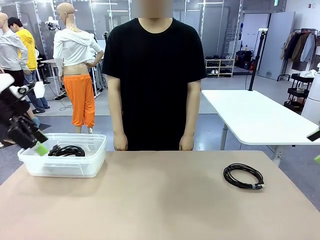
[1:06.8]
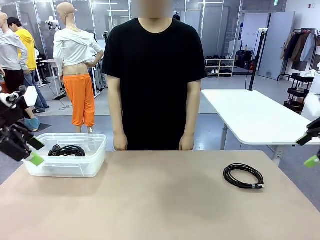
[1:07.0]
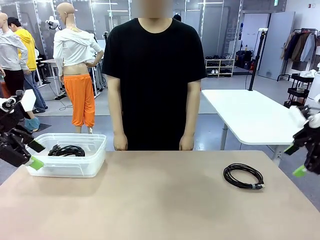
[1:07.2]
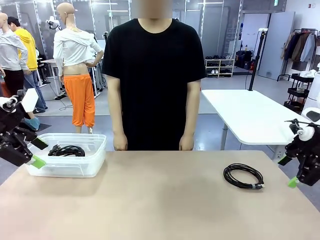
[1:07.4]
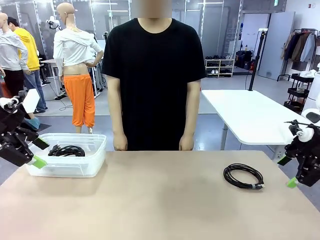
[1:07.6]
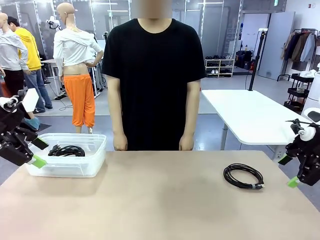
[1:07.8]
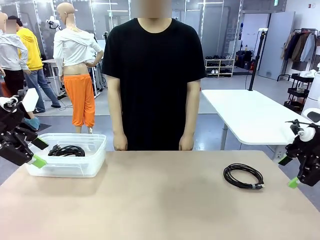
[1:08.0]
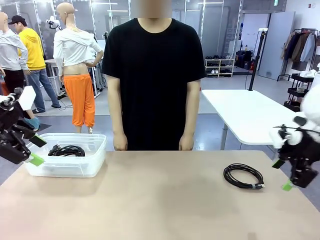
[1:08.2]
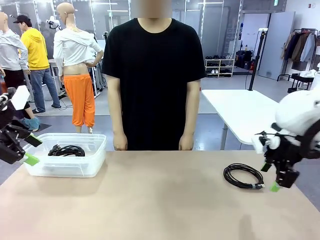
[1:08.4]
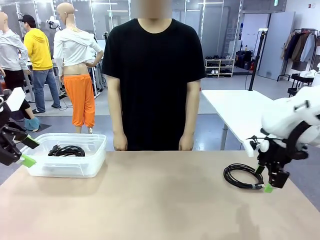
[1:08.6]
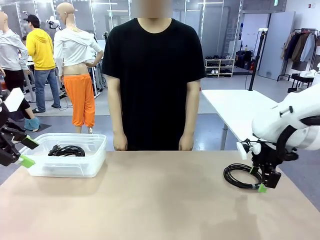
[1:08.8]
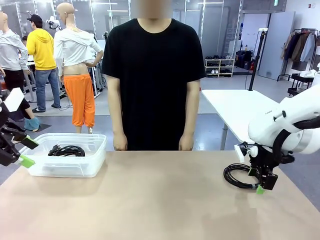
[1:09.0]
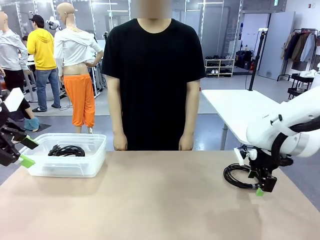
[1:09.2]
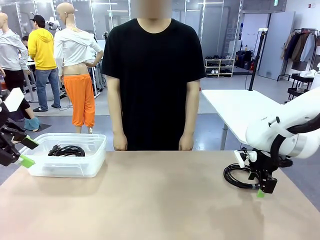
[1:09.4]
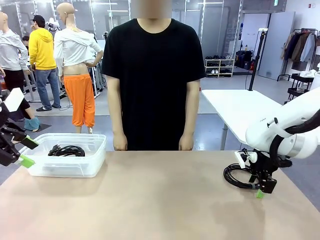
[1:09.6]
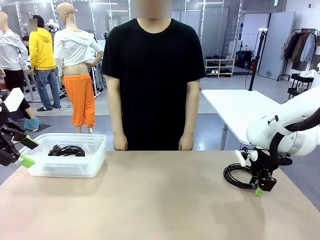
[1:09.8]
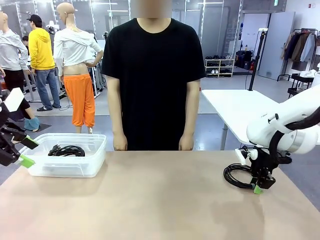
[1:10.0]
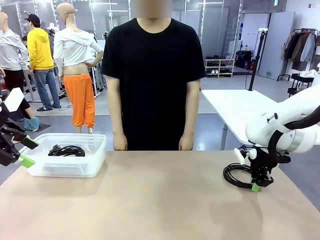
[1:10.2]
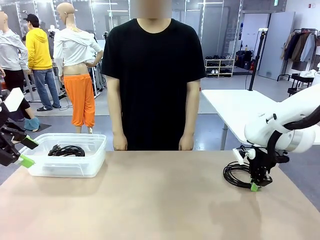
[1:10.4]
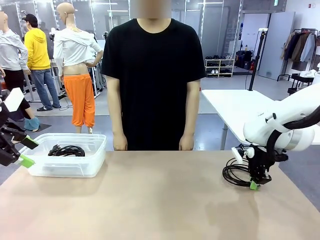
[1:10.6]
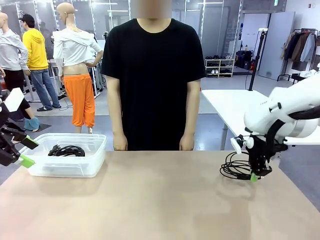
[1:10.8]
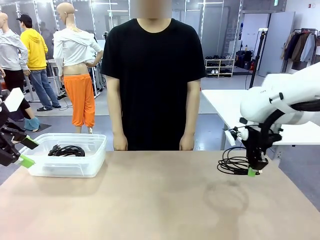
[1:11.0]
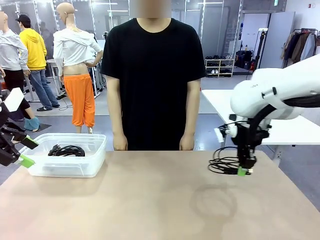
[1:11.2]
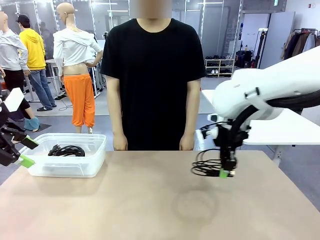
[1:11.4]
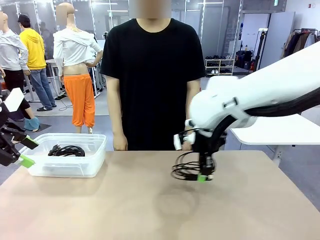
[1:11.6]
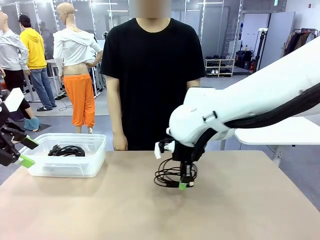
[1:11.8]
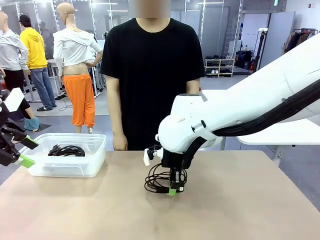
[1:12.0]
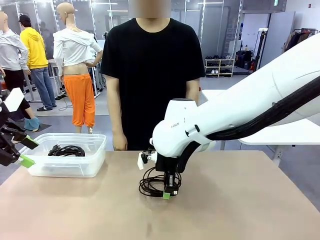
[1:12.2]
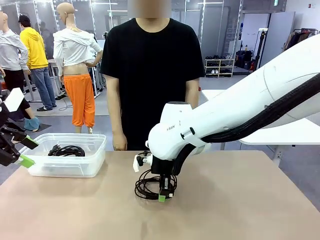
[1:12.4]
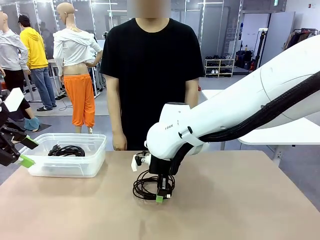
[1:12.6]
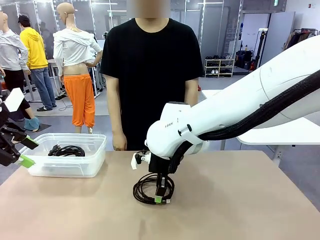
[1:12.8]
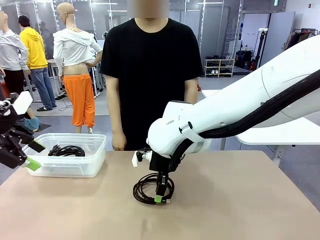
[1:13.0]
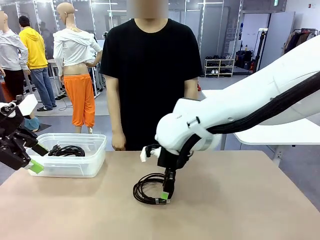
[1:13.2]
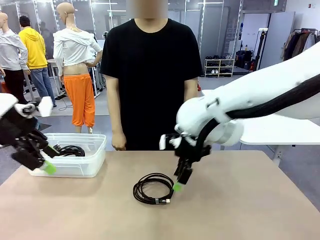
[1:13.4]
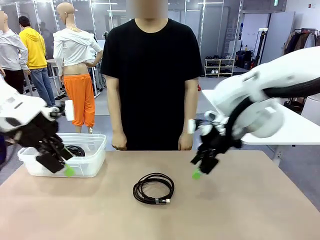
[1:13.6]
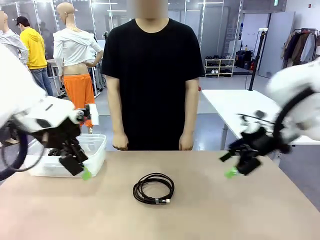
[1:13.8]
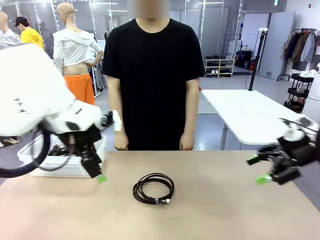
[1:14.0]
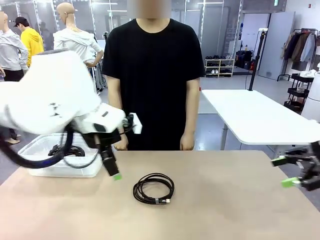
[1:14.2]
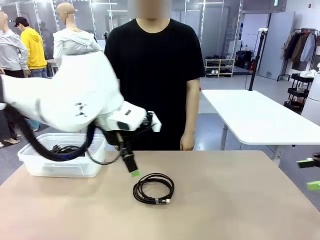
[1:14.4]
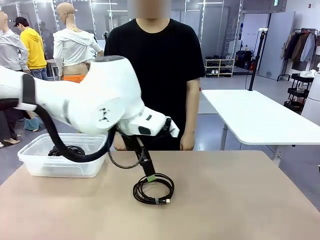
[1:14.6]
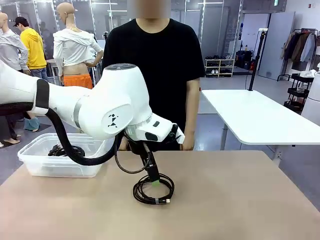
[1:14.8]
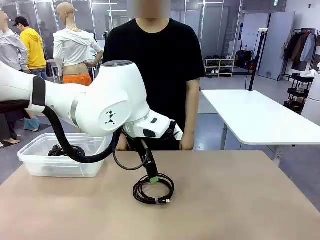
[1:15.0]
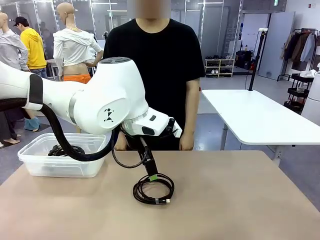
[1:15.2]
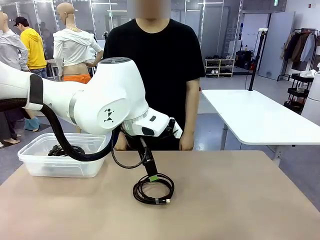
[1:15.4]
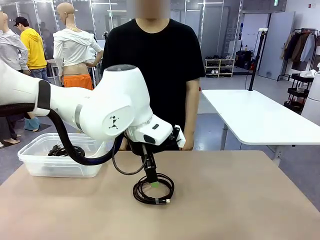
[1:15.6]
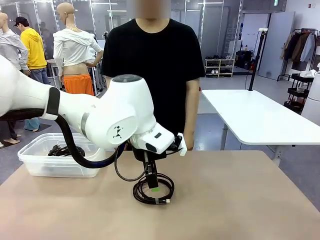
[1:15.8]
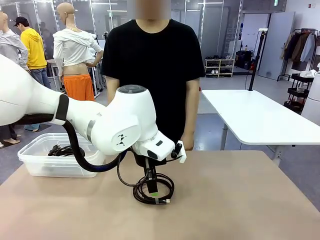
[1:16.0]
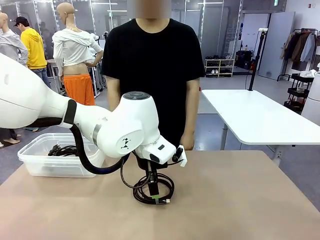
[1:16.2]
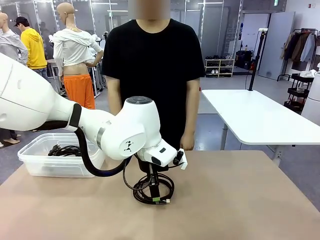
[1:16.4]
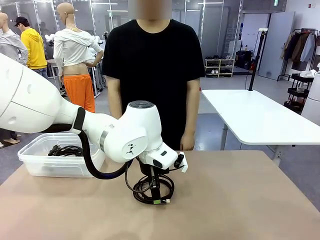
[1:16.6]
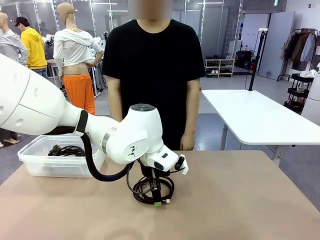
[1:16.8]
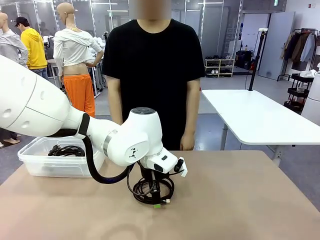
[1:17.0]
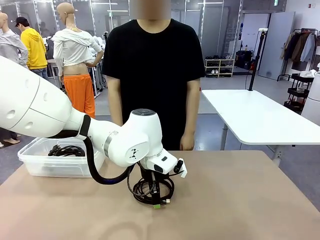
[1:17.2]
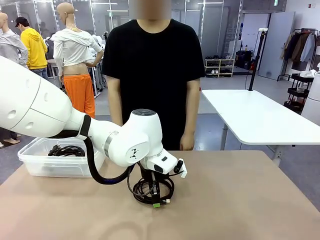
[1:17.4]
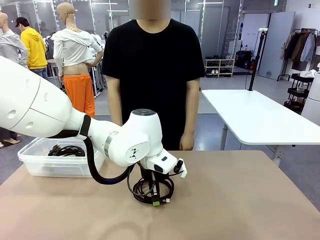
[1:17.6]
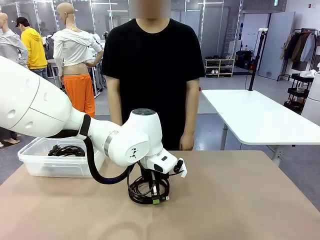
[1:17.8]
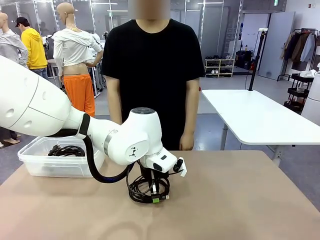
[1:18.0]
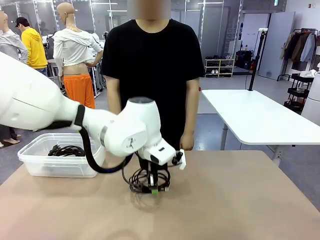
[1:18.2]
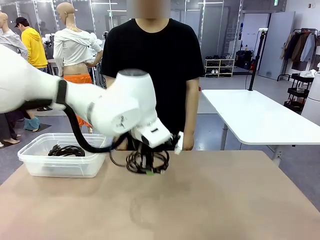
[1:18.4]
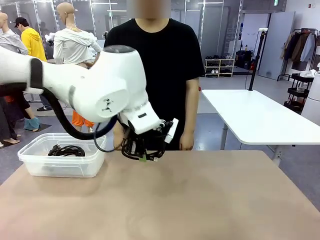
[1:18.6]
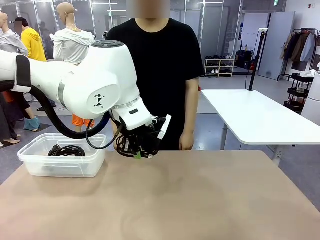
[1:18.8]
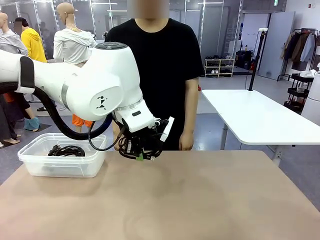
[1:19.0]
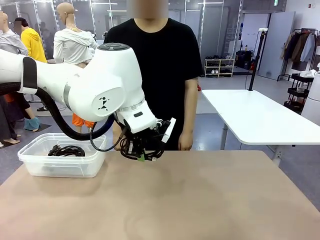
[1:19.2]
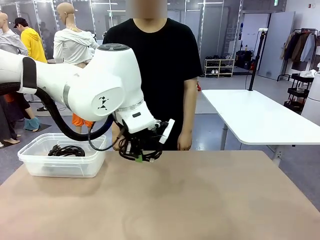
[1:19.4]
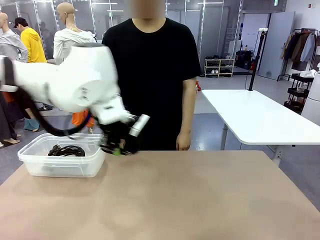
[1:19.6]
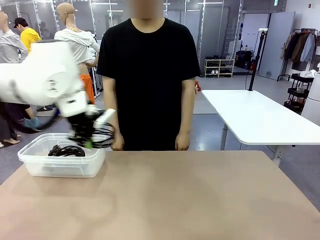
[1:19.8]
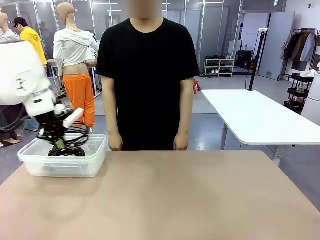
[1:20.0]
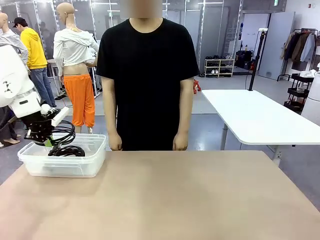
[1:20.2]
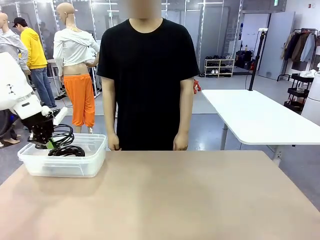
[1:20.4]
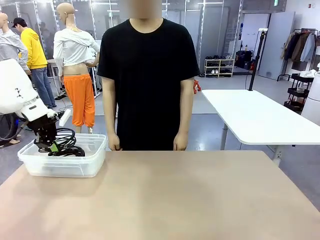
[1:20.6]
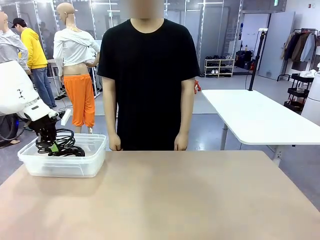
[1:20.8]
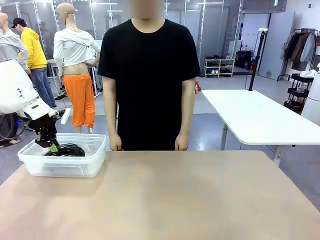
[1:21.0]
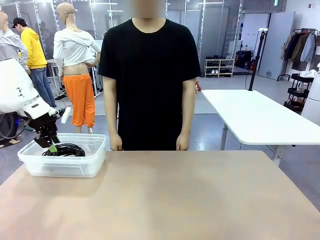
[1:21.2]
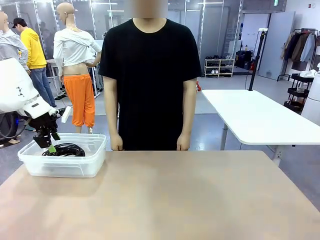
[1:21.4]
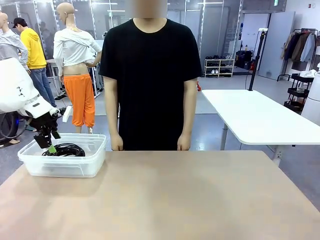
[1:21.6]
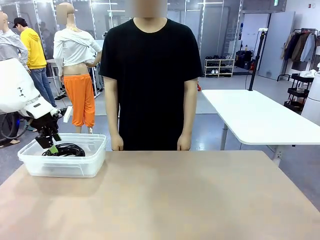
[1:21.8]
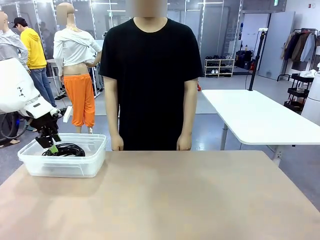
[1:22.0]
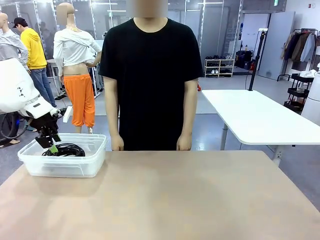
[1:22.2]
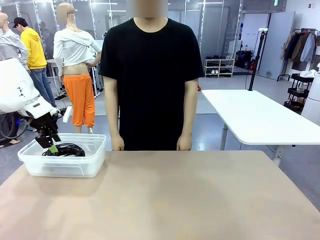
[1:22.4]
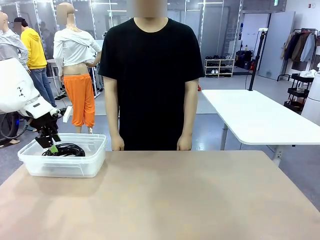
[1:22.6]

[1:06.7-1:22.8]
Task: Organize and store the cables.
Robot: Place the USB Extension Cable into the Organizing box.
